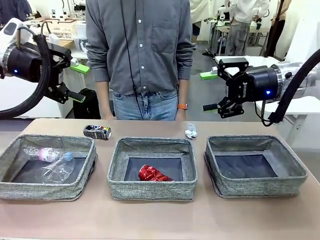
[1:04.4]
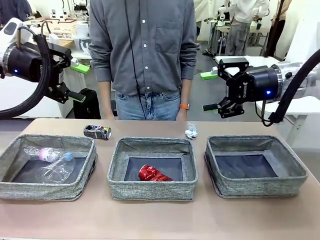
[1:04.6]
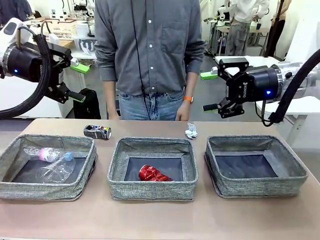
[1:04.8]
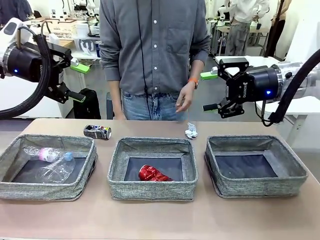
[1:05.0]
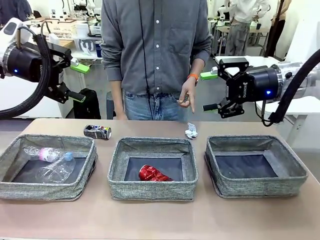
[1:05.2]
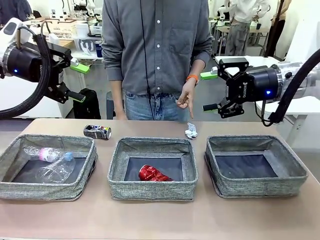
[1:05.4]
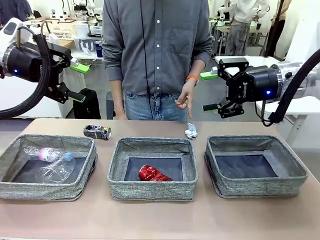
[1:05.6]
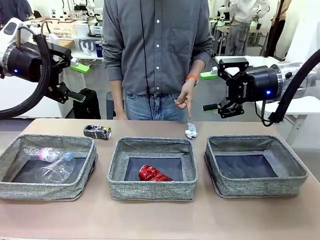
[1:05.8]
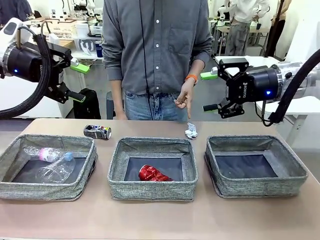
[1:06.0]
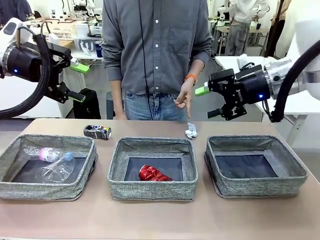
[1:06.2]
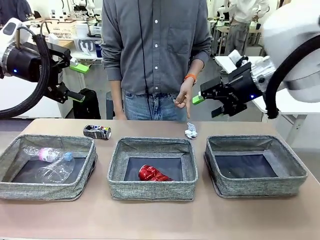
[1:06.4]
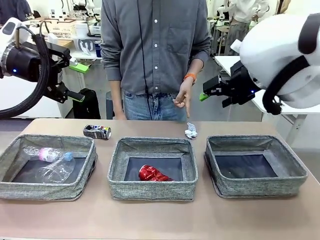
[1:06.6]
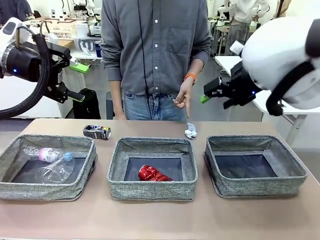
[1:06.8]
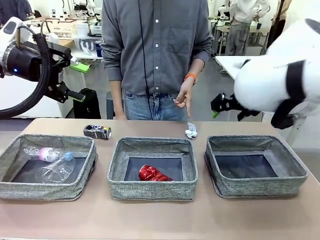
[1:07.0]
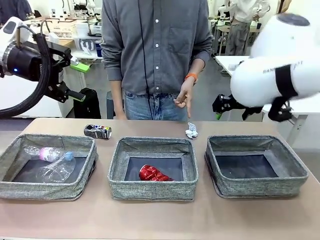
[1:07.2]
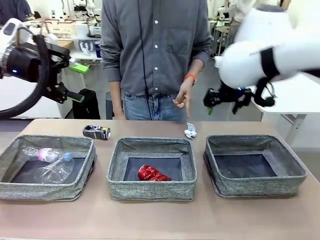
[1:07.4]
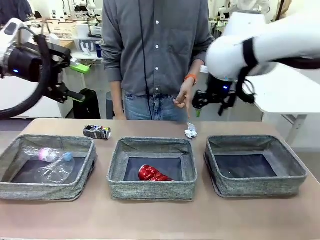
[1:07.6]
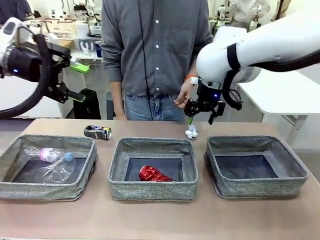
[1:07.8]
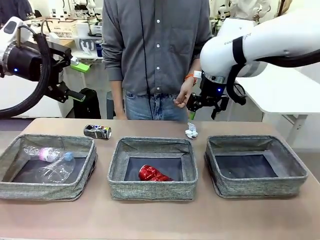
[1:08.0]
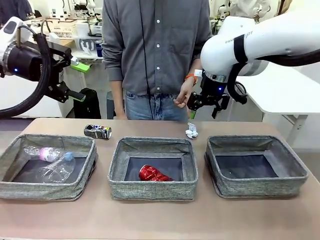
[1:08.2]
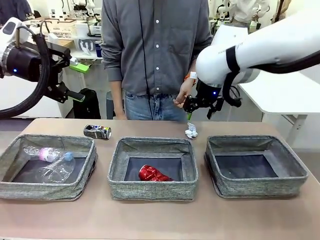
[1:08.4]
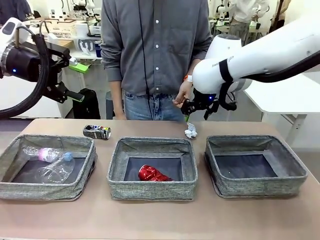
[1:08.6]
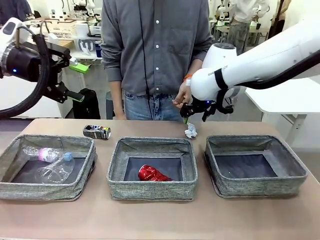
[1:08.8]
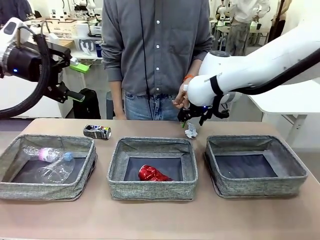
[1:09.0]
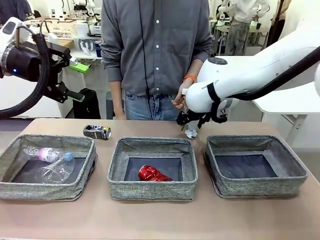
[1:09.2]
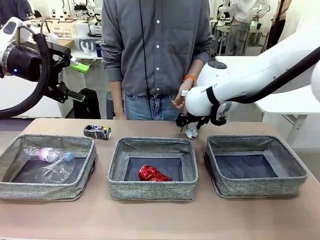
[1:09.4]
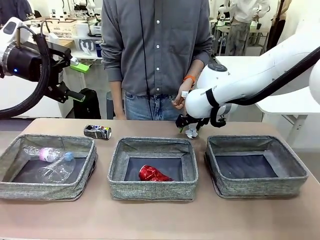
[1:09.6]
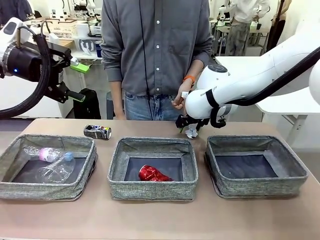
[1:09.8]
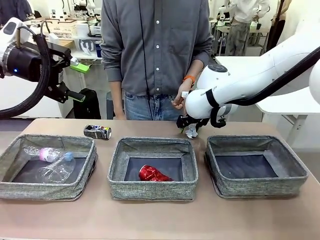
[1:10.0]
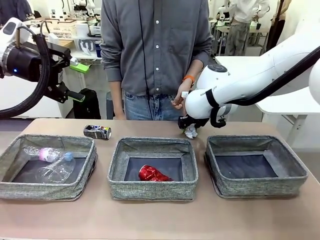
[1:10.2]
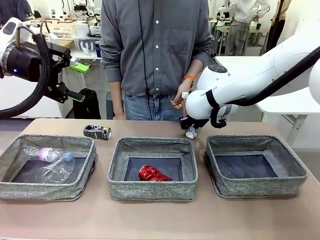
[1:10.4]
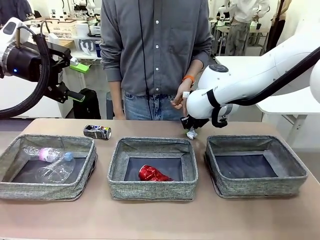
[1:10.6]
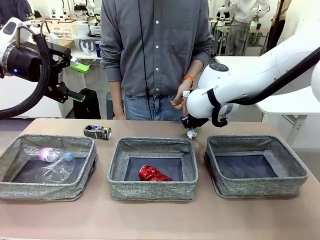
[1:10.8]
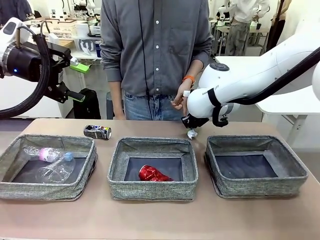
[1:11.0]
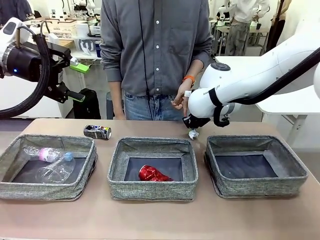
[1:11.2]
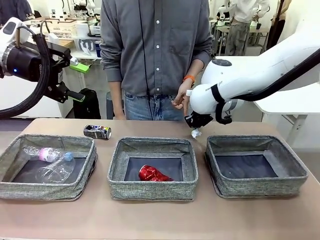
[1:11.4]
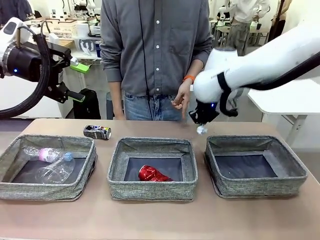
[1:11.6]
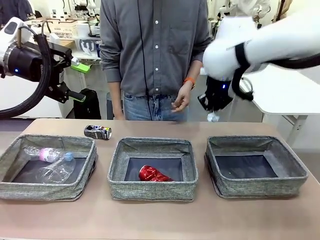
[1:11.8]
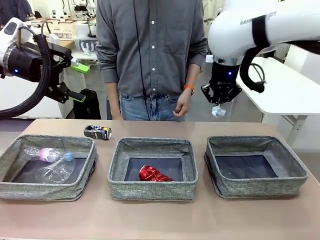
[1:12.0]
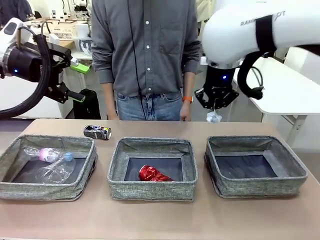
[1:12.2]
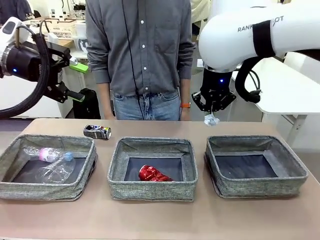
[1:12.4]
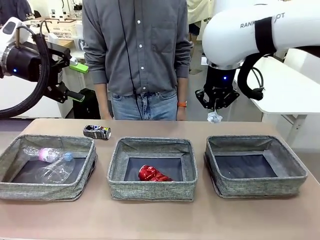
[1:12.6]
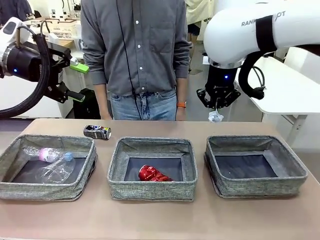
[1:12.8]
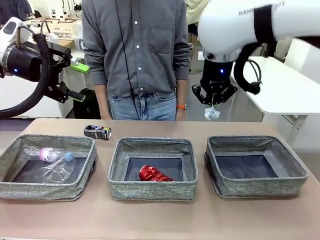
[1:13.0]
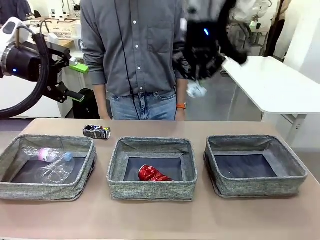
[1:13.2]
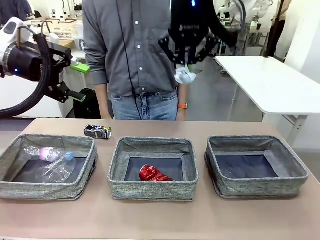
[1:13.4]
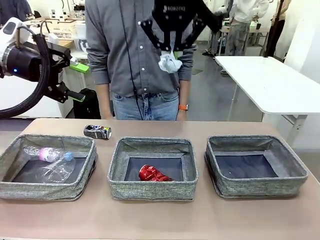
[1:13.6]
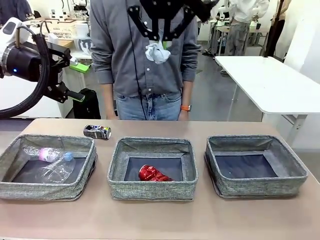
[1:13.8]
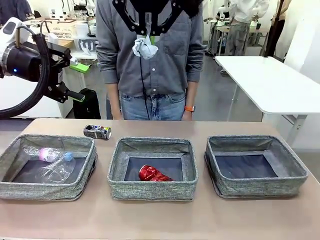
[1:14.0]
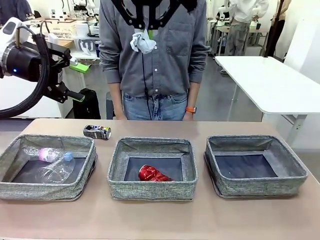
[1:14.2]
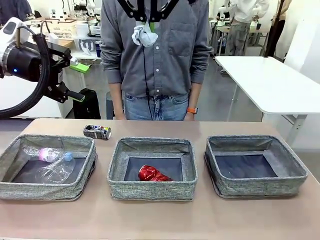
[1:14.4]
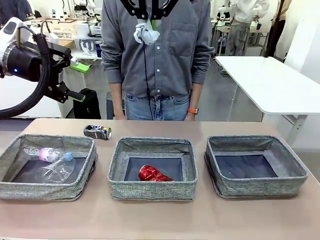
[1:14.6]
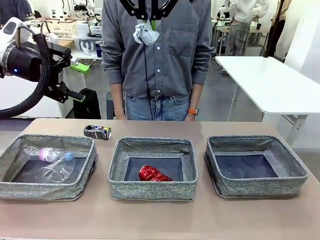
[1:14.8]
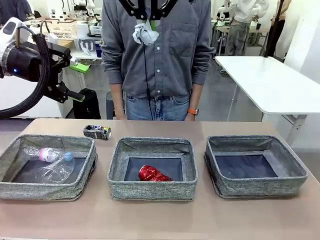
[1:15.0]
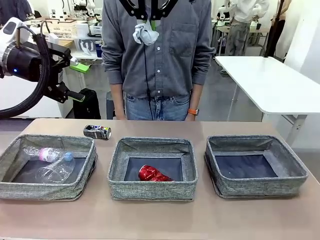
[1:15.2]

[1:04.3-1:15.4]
Task: Sort the waste into the appropriate baskets.
Robot: Pick up the waste item pointed out by the person.
Person: Points to one piece of trash on the table.

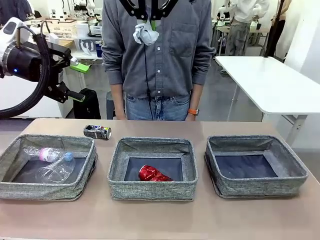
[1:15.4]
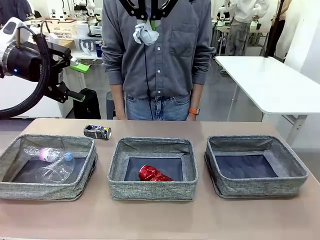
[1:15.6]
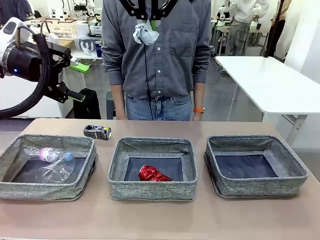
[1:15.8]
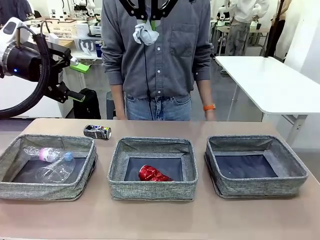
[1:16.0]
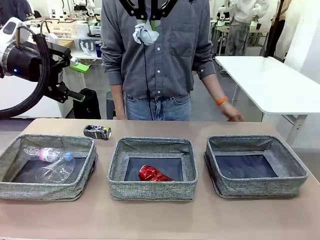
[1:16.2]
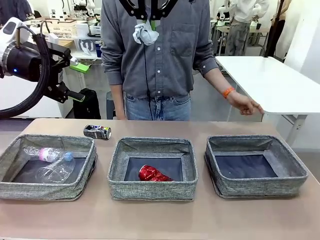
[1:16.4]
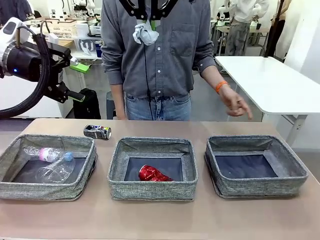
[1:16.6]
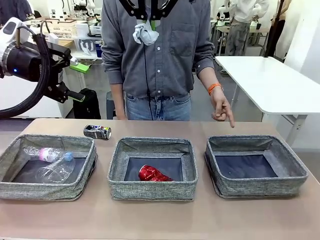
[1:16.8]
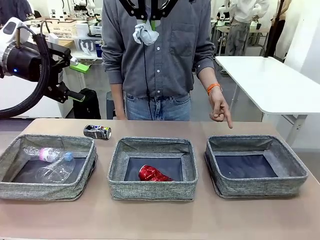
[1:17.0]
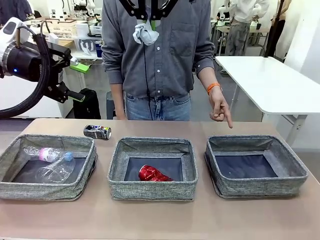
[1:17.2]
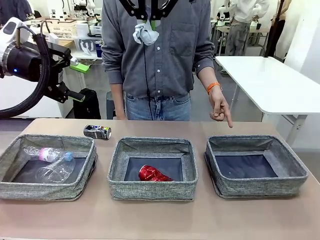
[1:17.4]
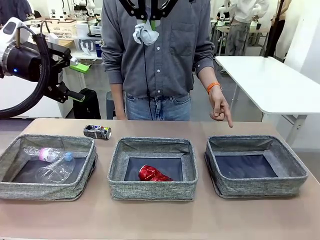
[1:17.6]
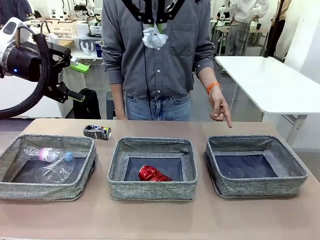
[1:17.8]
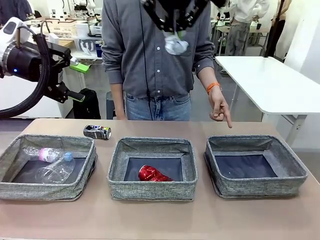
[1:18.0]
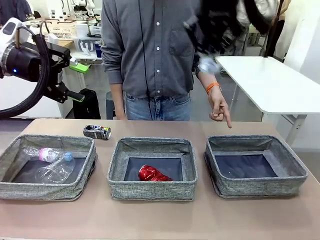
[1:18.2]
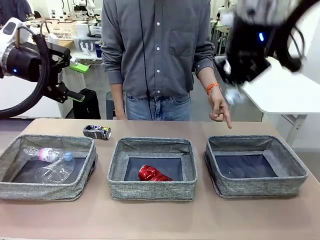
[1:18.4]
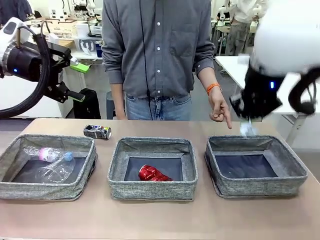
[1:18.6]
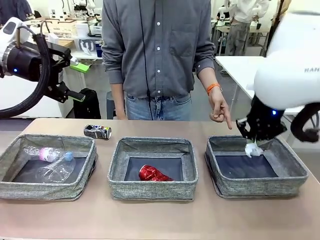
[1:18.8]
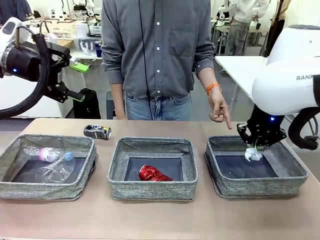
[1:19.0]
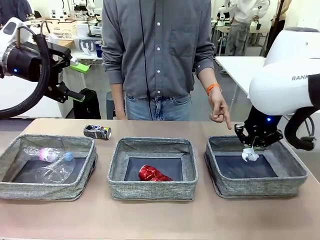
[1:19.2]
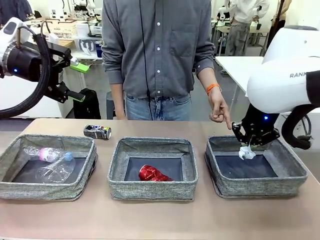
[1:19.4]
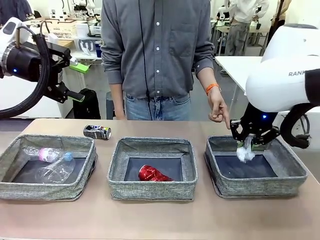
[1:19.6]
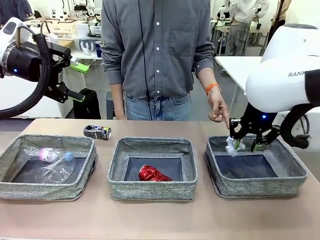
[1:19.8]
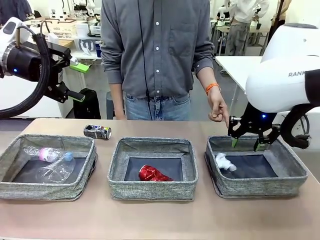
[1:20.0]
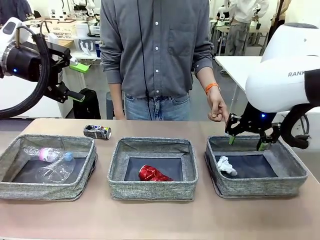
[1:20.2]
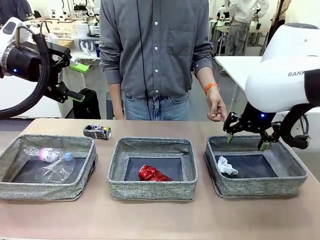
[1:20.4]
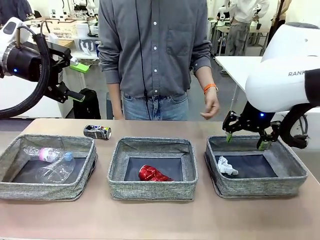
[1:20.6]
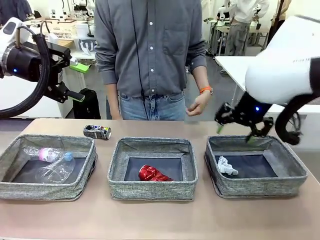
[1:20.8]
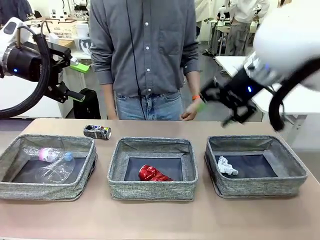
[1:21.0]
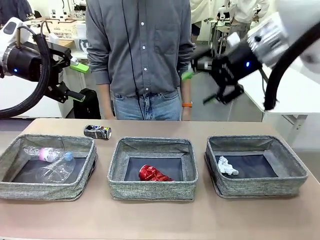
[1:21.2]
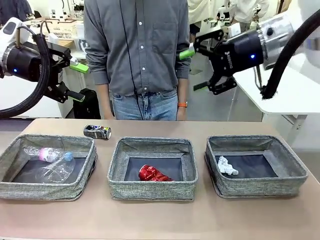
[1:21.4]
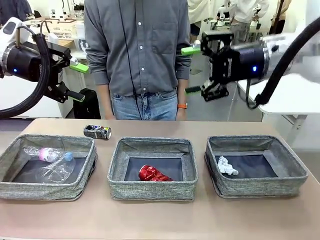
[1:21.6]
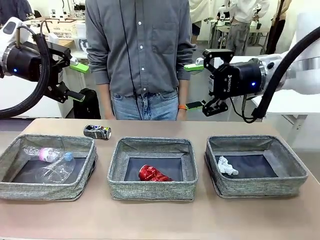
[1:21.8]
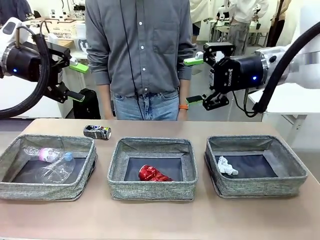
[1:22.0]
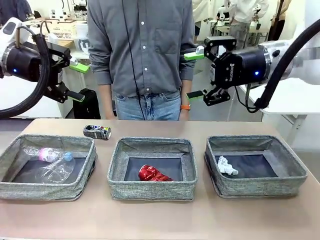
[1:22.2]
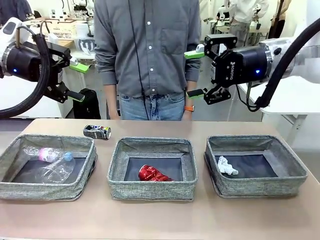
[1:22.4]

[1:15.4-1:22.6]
Robot: Place the picked waste into the Fabric basket indicated by the person.
Person: Instructs the robot to place the picked-up trash into the appropriate organizing basket.
